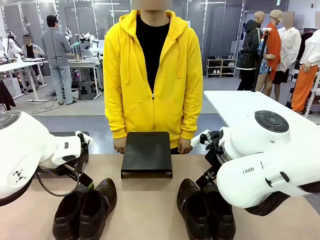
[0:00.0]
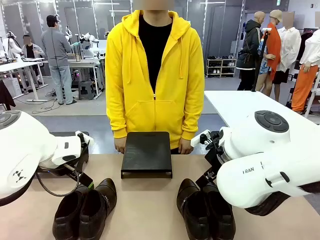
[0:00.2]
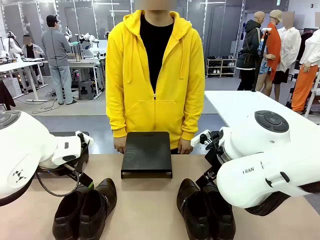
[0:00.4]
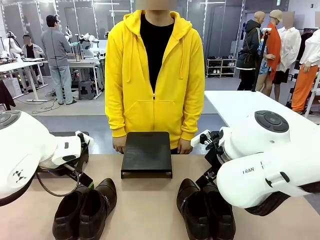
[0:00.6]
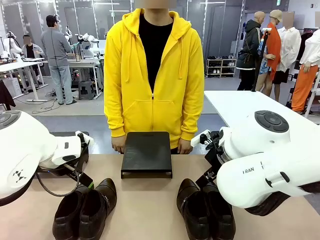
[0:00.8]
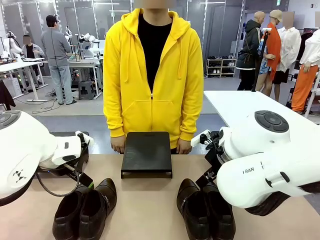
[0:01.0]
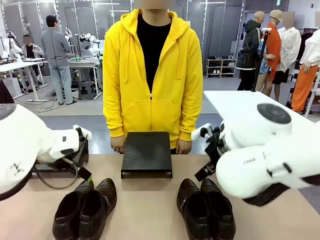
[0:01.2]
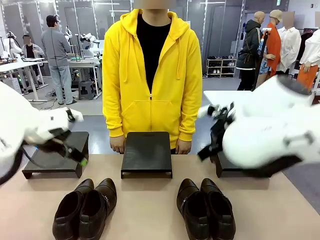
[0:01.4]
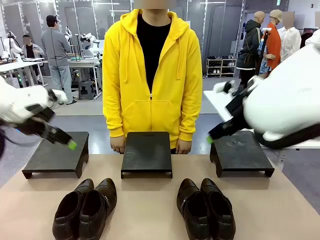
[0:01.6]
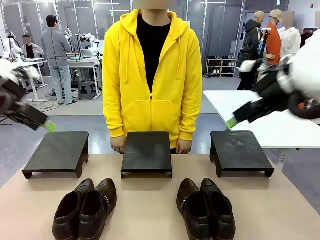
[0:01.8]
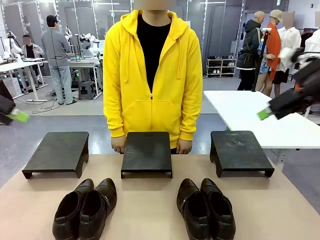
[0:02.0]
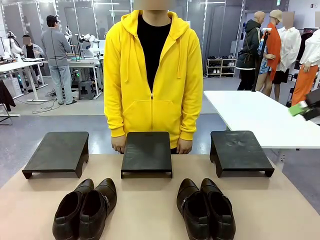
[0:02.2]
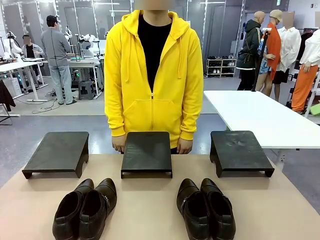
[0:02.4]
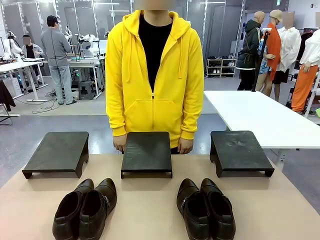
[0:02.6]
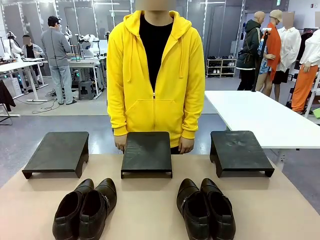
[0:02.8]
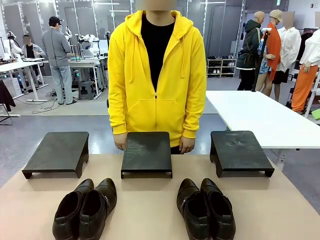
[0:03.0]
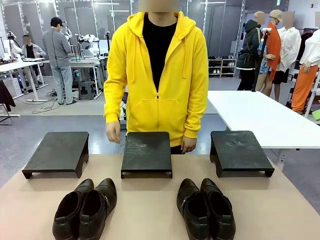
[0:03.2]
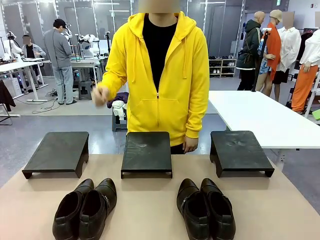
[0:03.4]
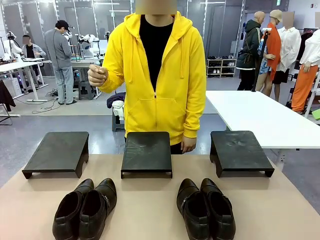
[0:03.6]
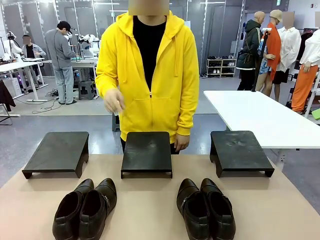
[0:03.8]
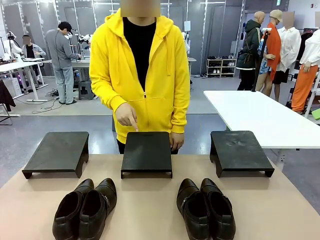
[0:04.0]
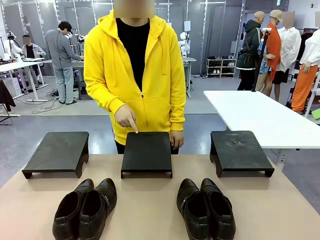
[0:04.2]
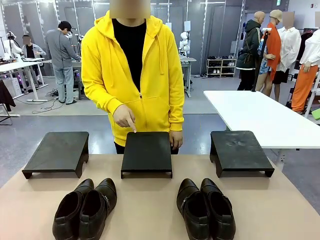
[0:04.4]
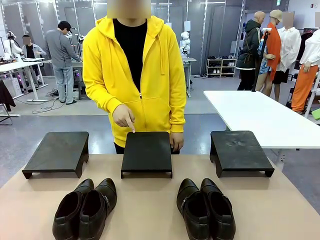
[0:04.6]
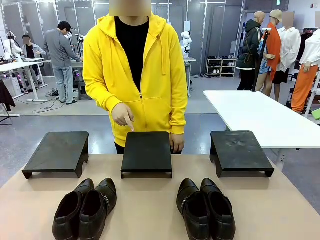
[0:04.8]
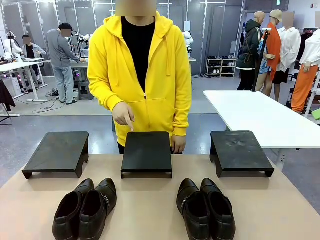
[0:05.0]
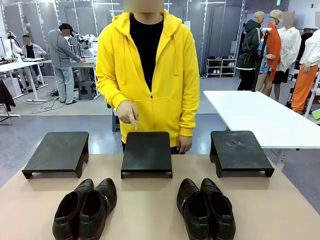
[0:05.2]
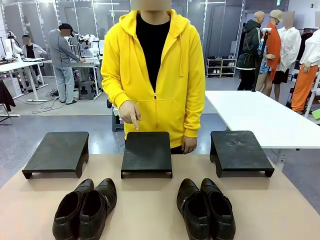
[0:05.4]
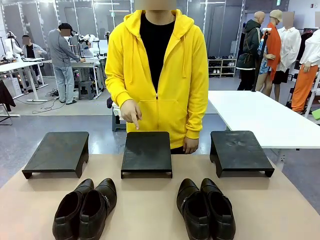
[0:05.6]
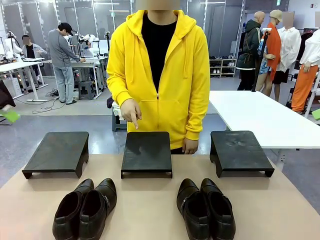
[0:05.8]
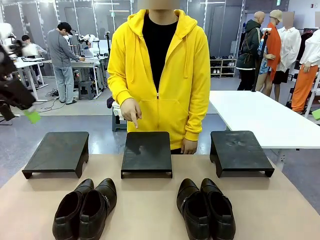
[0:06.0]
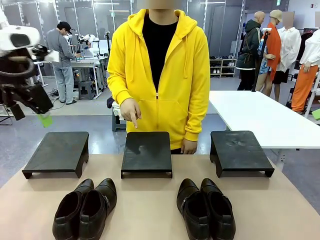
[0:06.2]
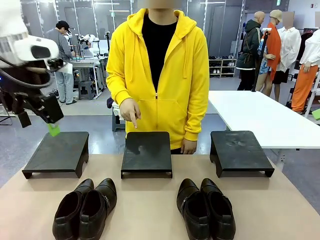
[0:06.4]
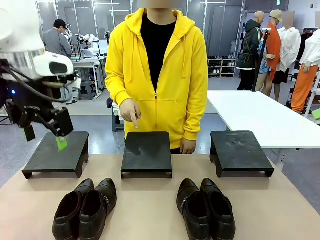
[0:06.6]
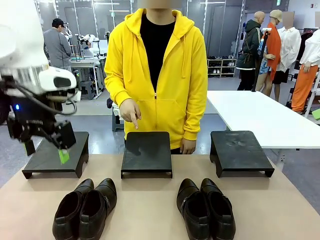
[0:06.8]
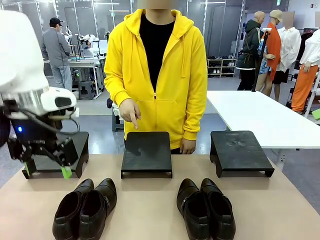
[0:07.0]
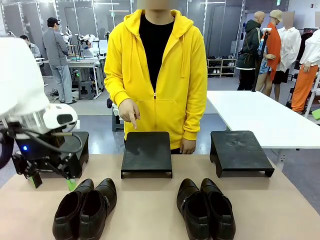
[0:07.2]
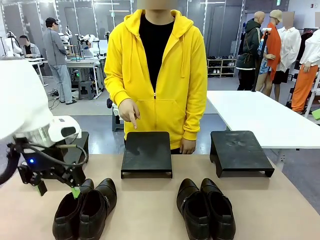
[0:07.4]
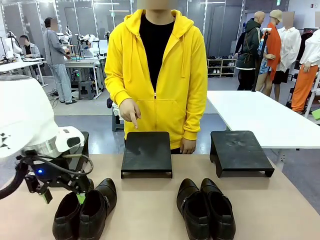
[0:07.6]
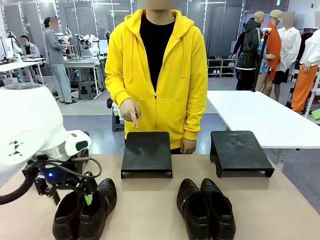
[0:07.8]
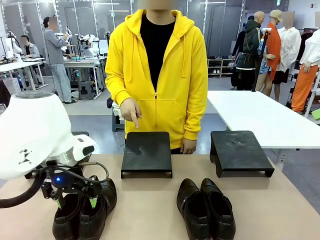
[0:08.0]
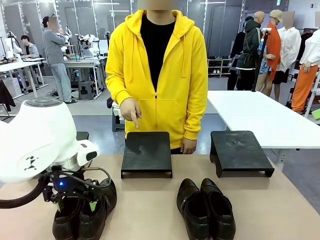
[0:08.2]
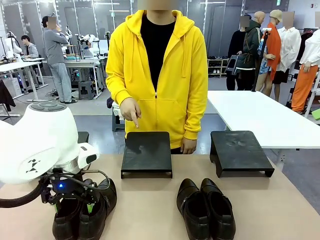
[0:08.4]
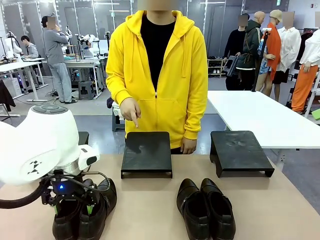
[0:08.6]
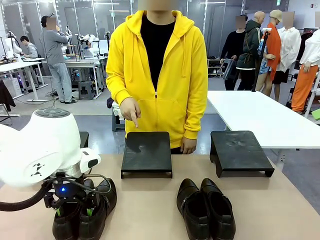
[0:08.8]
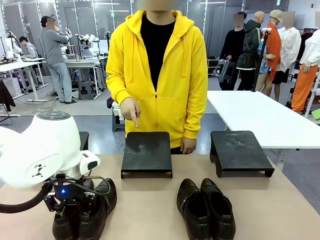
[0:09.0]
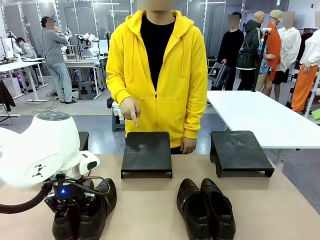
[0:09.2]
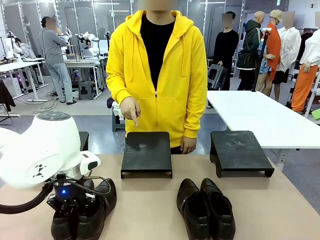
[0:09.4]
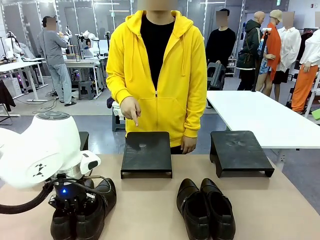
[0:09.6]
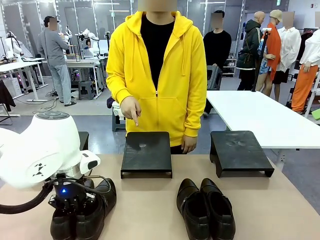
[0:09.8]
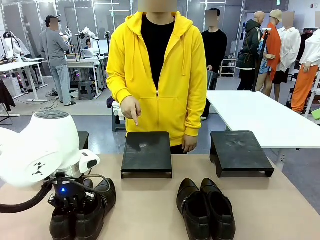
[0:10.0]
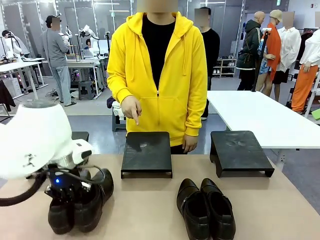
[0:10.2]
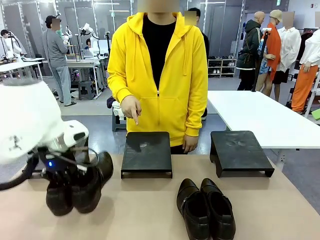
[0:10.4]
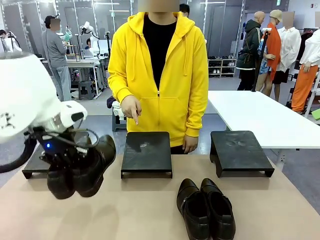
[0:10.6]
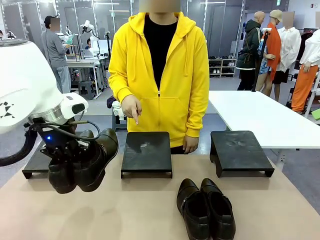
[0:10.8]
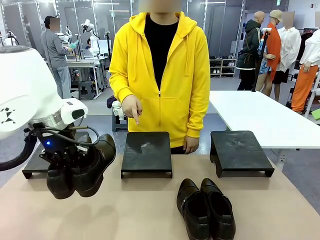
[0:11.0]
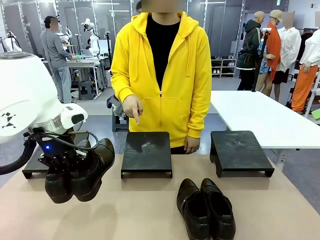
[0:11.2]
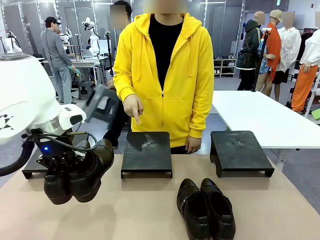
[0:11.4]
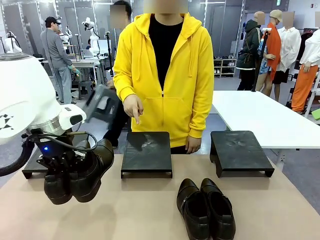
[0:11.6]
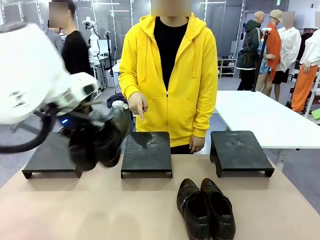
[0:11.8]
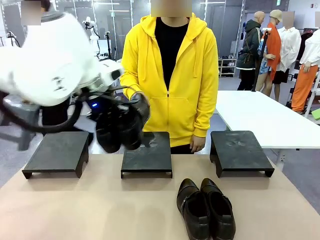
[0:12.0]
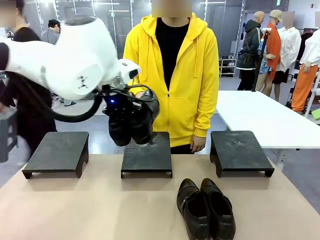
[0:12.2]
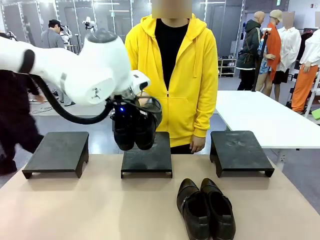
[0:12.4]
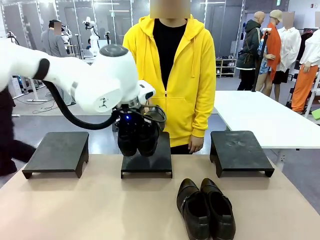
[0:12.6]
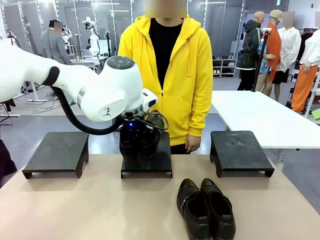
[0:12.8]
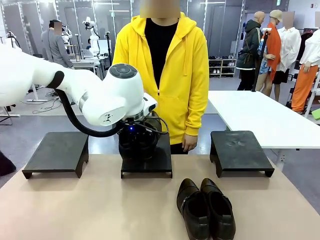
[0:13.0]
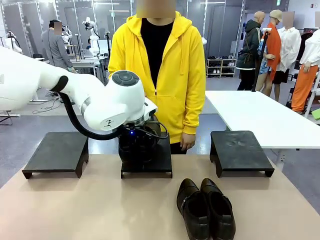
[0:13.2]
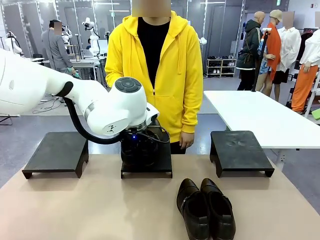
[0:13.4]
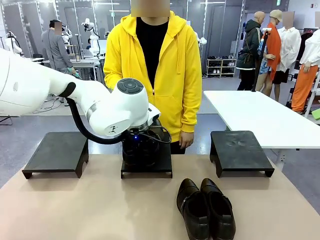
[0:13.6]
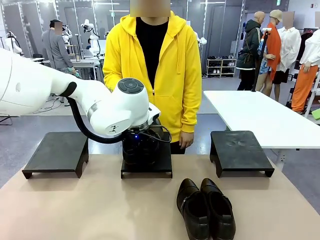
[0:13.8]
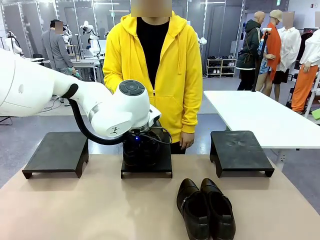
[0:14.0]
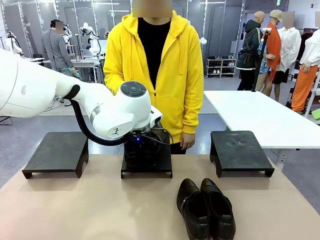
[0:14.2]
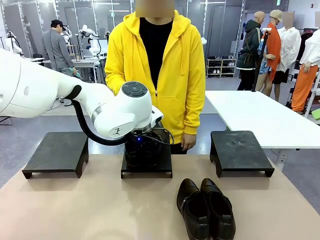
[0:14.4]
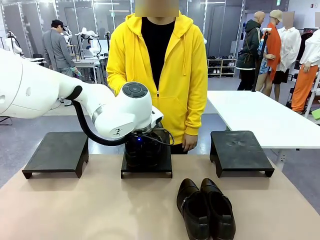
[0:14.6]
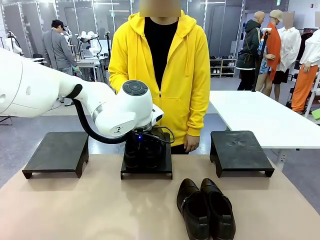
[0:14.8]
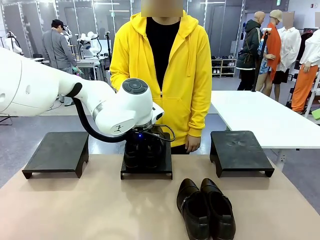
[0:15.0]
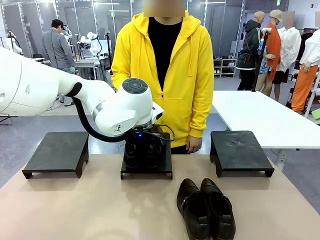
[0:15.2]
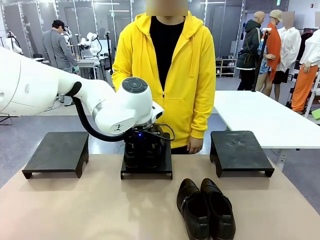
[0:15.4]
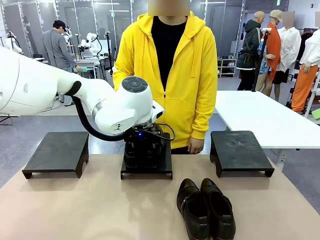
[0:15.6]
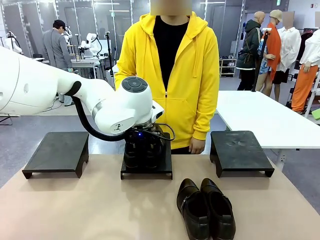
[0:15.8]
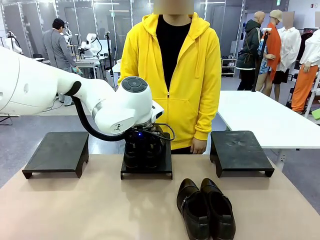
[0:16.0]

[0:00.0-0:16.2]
Task: Place the shoes on the stand as instructed by the person.
Robot: Pick up one pair of Shoes and place it on the Shoes Stand indicated by the person.
